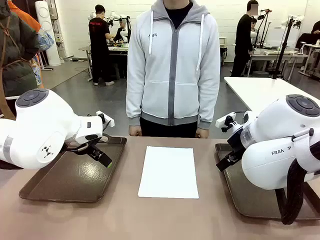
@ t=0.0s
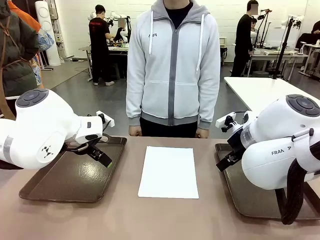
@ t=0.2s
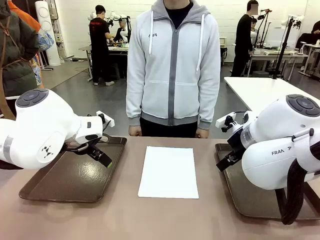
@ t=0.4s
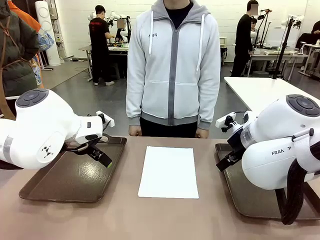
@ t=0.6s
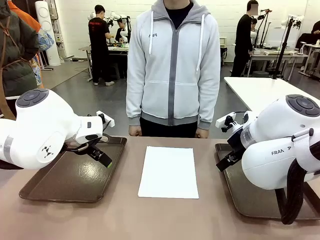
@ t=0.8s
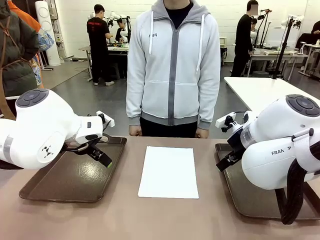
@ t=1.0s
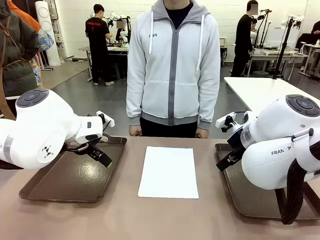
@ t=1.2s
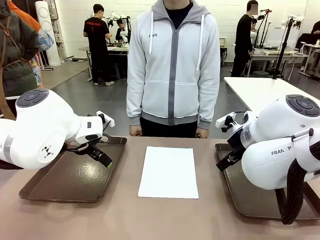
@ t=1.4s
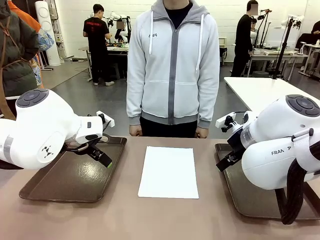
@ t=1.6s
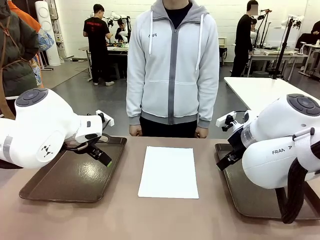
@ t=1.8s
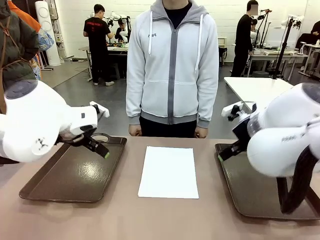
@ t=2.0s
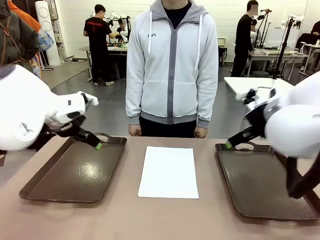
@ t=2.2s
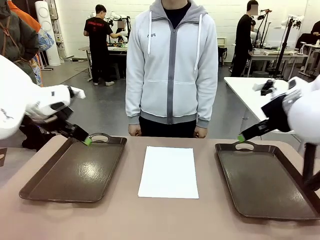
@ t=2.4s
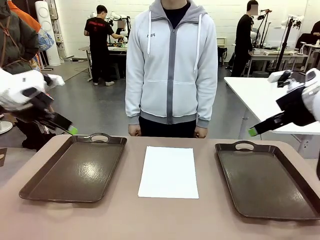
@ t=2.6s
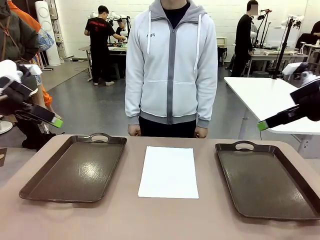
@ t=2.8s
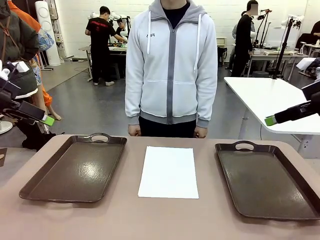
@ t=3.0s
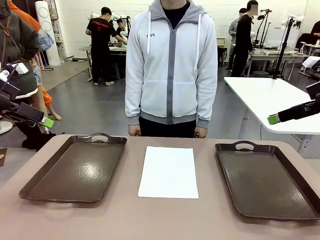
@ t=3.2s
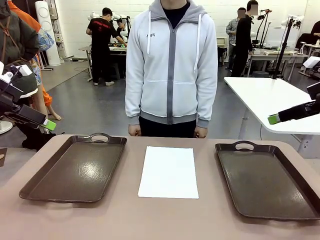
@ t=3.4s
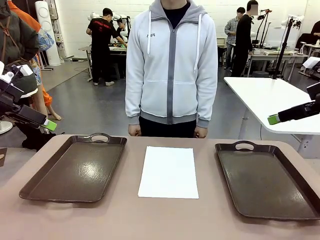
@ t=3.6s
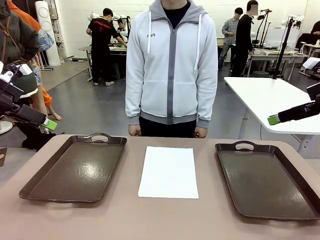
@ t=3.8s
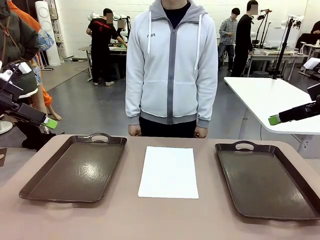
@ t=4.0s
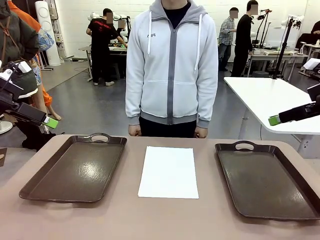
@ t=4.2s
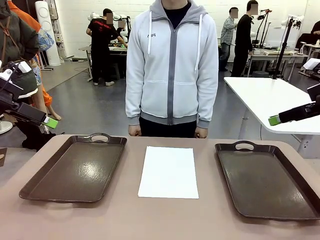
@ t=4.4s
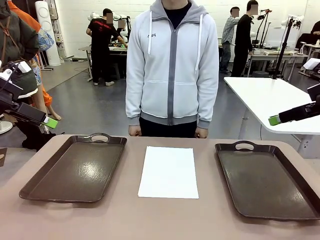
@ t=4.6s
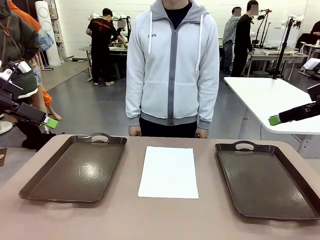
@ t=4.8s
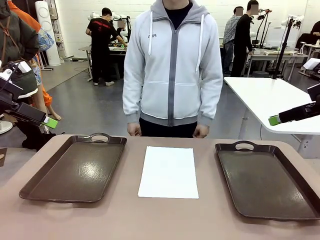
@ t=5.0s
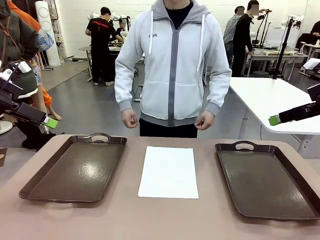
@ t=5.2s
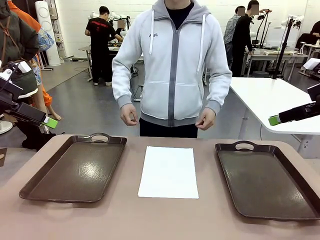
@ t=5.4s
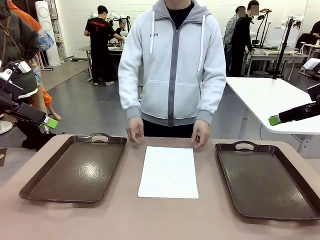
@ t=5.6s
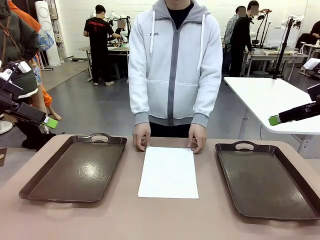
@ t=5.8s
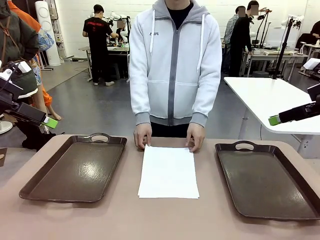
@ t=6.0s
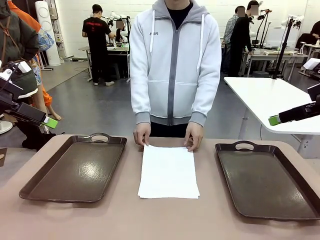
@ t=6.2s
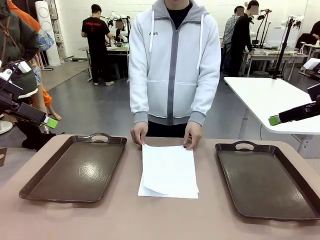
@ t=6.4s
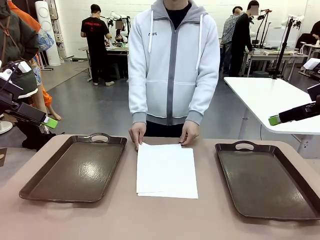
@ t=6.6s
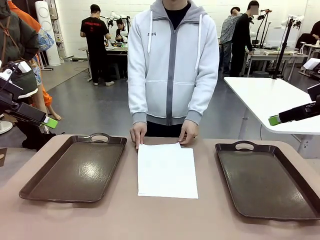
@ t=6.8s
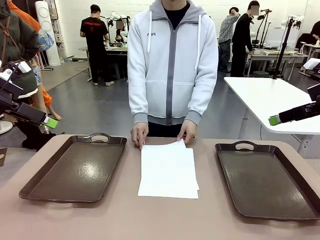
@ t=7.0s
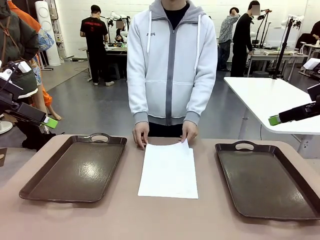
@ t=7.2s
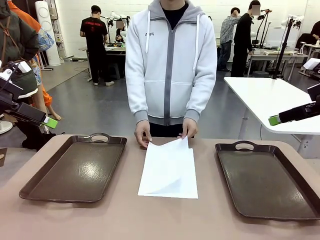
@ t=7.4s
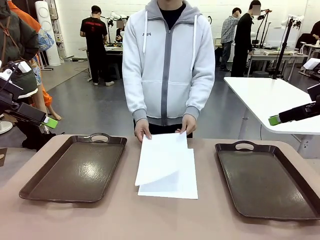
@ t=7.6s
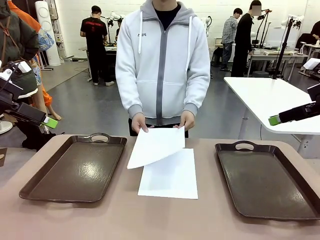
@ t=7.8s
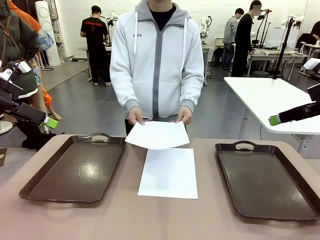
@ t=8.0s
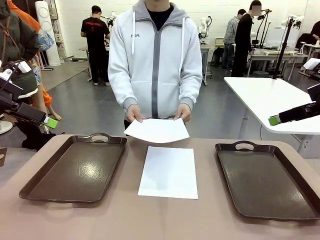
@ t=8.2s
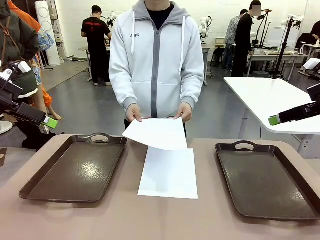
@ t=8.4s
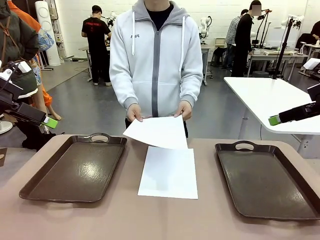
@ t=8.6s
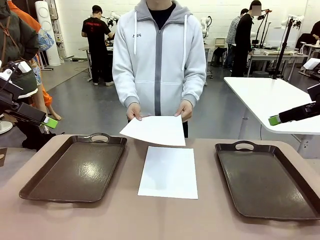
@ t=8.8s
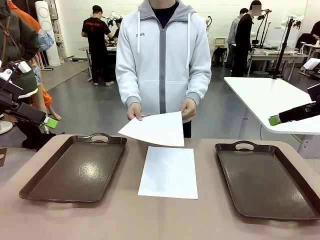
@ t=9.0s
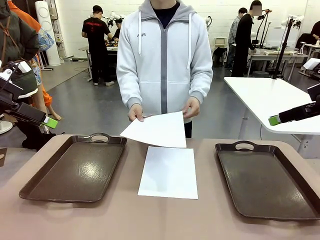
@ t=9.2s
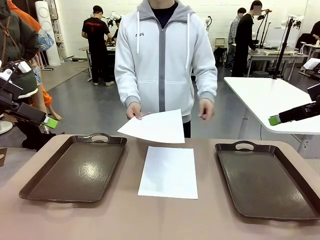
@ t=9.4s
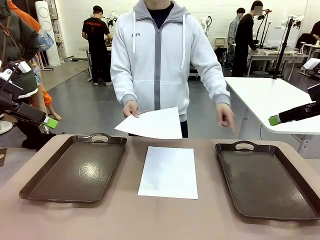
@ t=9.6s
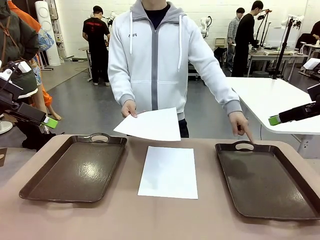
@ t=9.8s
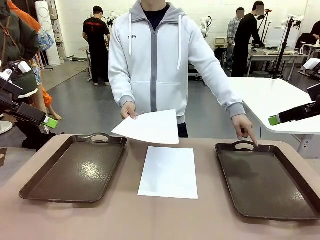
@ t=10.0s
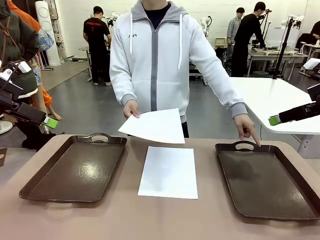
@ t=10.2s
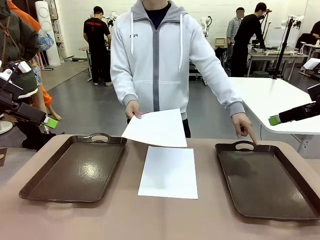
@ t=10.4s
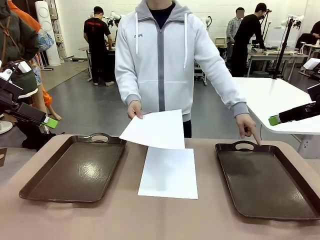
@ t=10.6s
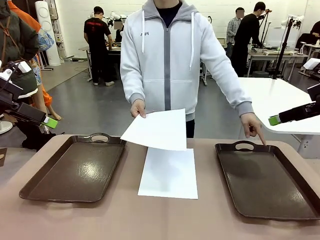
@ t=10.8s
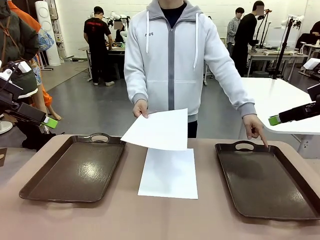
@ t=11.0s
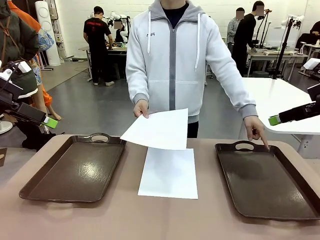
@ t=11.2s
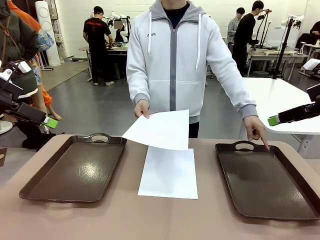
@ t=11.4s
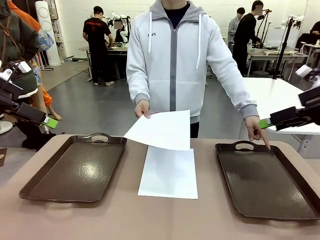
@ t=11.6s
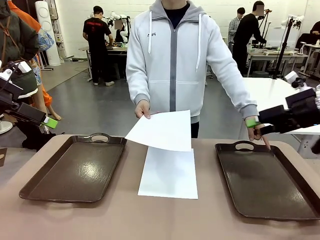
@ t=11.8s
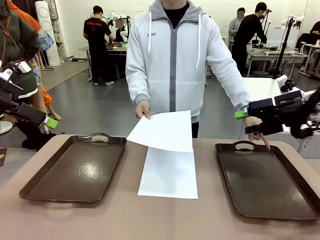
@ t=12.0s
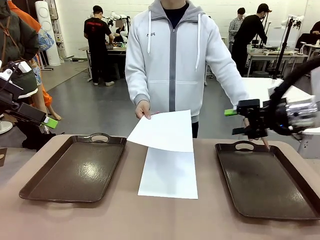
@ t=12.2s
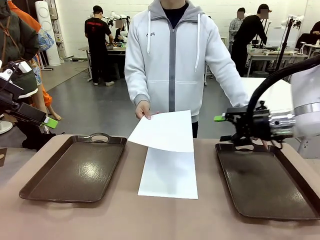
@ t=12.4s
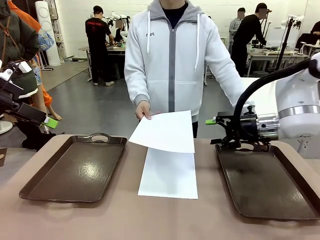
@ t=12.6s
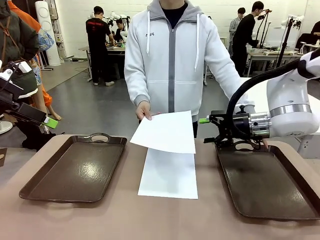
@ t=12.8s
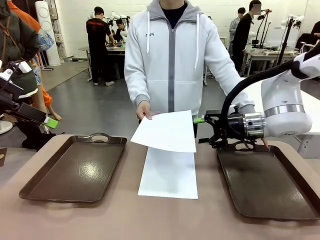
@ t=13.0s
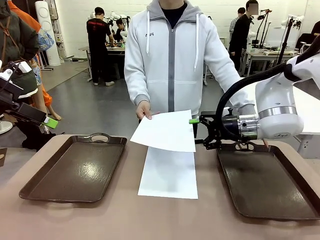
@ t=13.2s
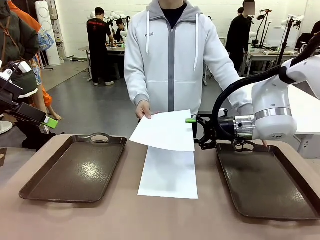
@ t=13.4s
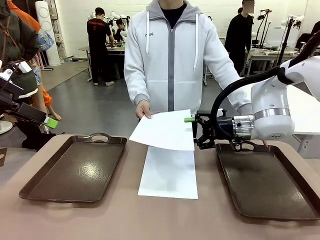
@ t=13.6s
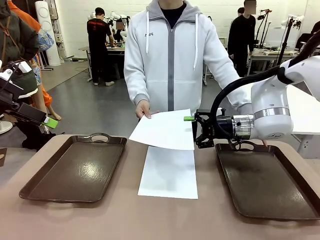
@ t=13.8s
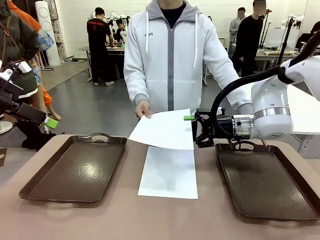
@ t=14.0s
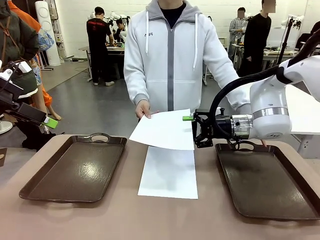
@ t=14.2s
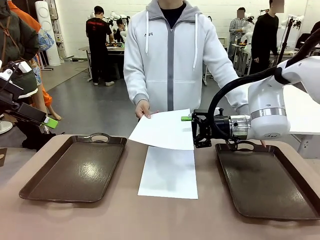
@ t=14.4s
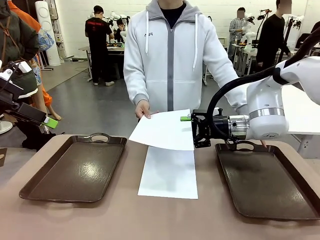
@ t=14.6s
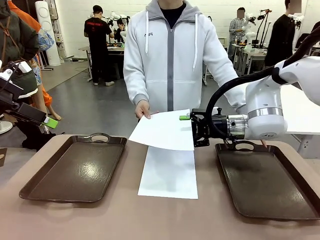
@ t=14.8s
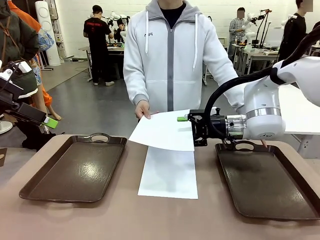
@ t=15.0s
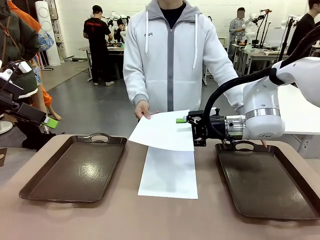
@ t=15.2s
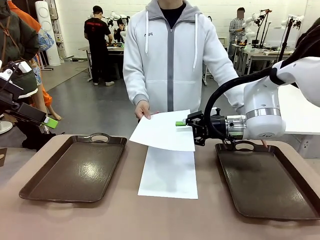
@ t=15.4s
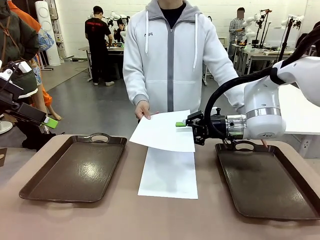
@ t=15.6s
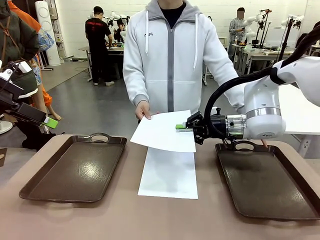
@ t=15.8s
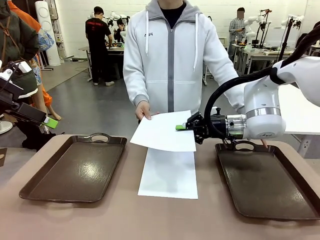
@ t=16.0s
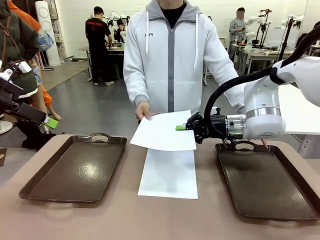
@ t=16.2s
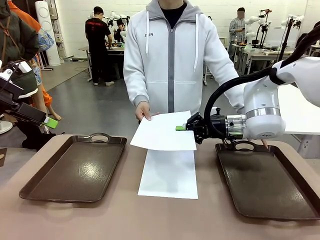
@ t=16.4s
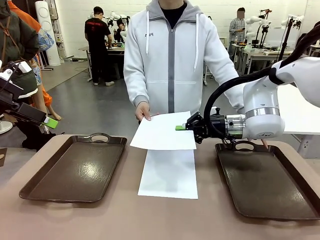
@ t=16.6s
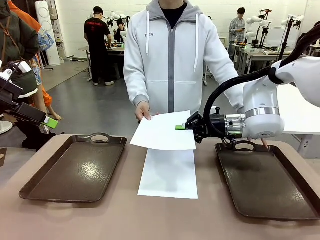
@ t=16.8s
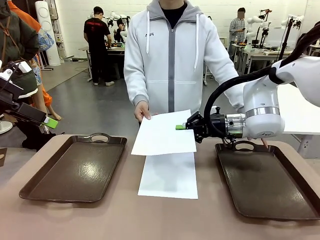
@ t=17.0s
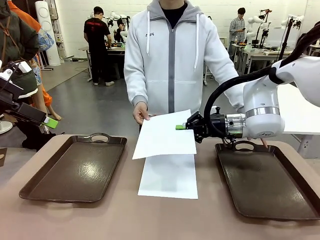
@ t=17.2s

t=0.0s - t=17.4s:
Task: Sort the A4 documents.
Robot: Receive the A4 Paper.
Person: Pick up a sheet of paper from the center of the table and hand it to the robot. Point the randomly selected tray with the other hand.

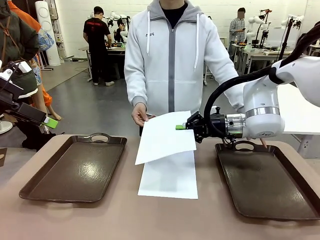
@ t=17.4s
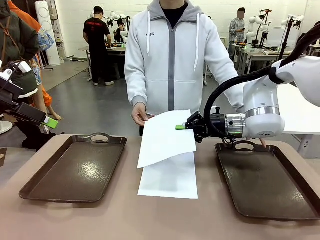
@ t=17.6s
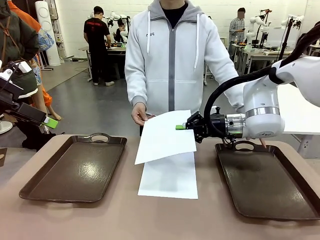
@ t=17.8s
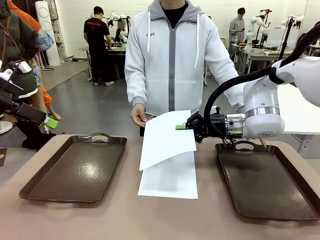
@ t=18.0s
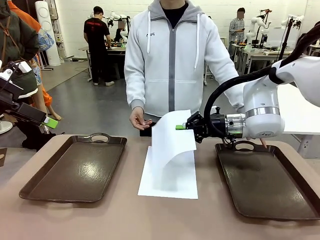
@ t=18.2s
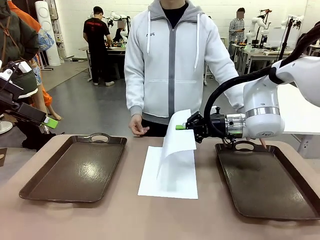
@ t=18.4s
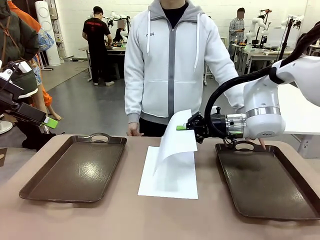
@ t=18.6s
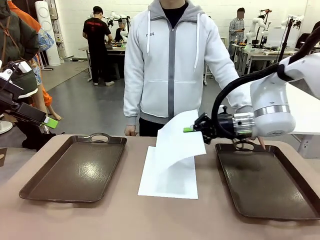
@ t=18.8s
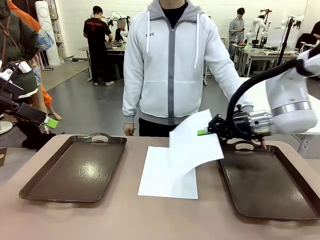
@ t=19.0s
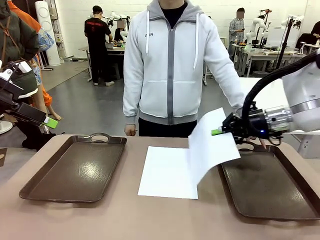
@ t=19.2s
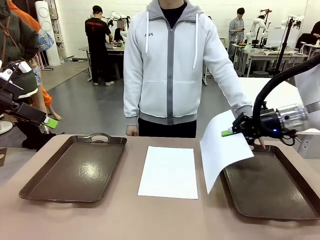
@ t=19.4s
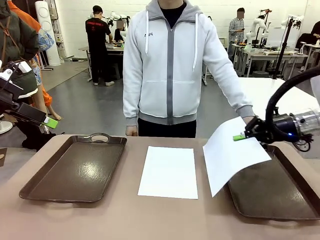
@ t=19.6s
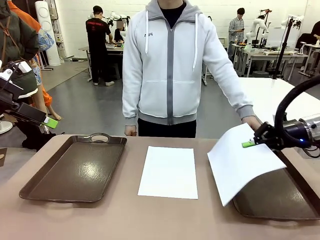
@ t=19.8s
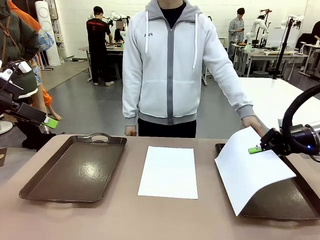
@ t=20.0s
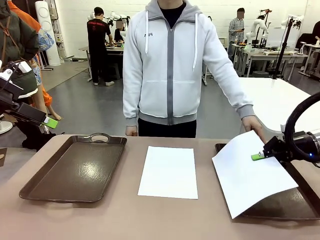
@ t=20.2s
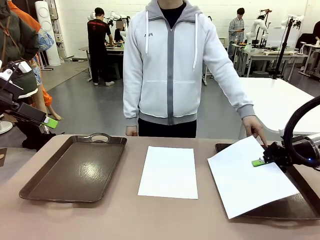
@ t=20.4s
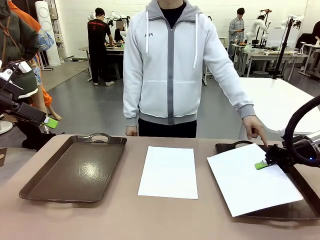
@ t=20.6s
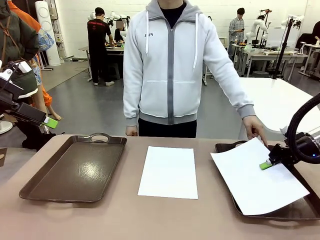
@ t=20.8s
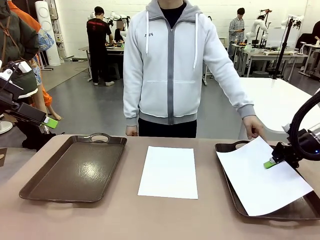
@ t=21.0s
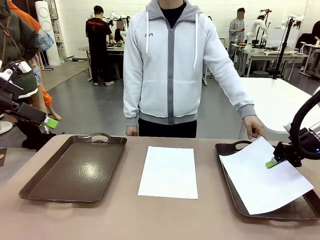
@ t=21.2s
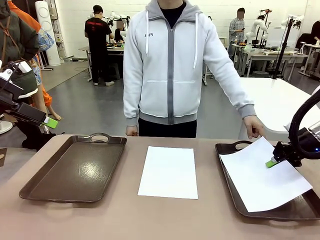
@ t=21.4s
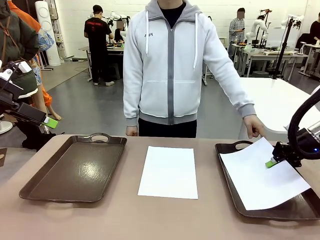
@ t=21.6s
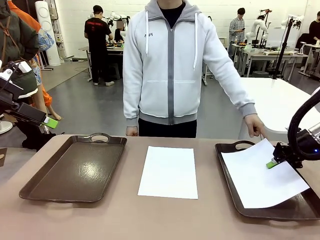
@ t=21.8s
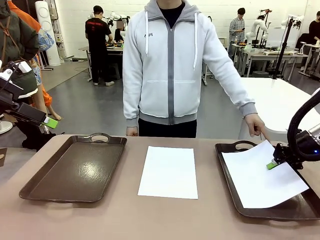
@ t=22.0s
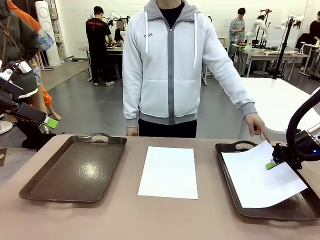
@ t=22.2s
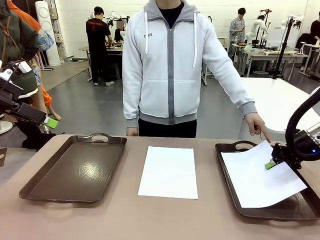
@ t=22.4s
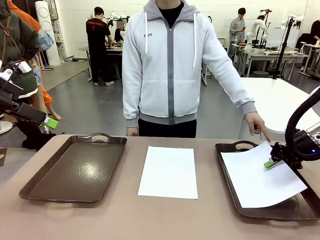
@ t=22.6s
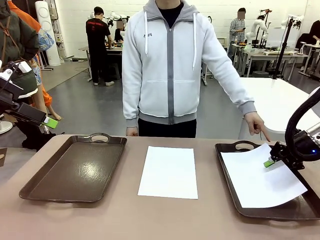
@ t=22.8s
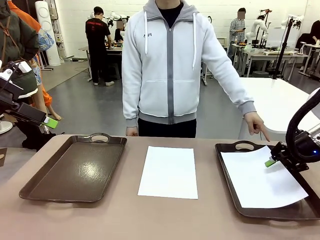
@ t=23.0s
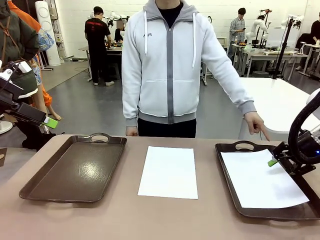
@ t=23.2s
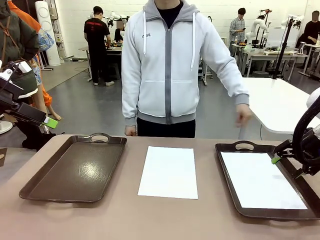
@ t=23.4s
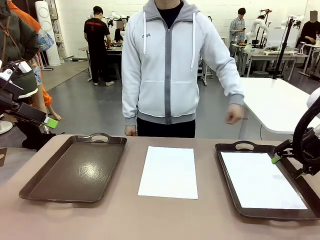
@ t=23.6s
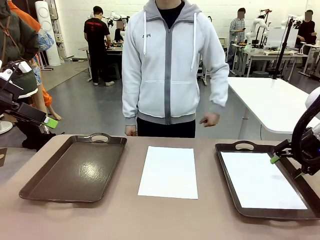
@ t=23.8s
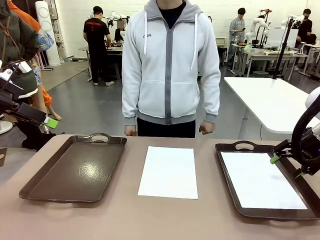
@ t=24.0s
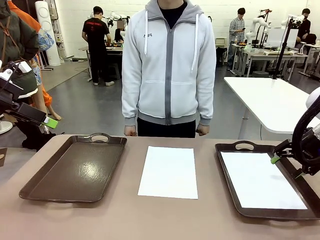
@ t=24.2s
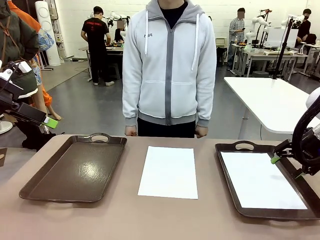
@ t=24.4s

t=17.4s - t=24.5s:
Robot: Place the A4 Paper in the designated Handle tray.
